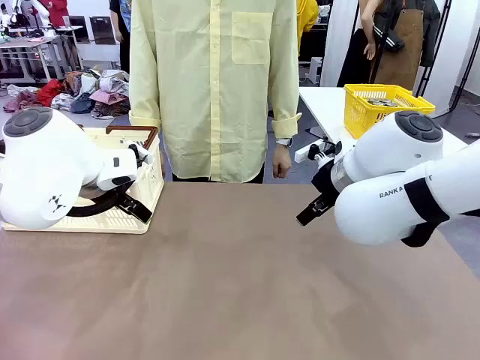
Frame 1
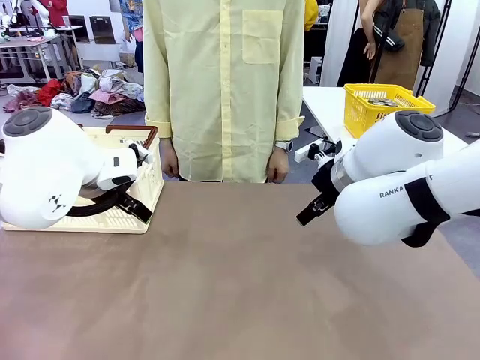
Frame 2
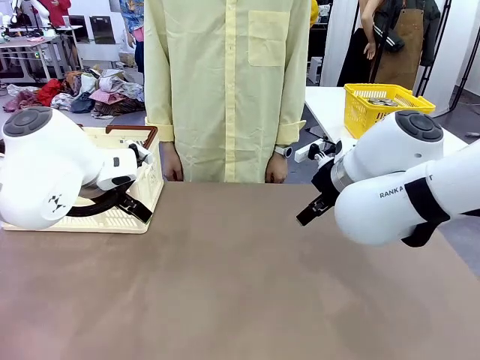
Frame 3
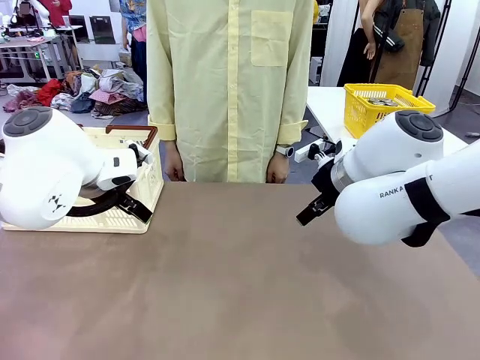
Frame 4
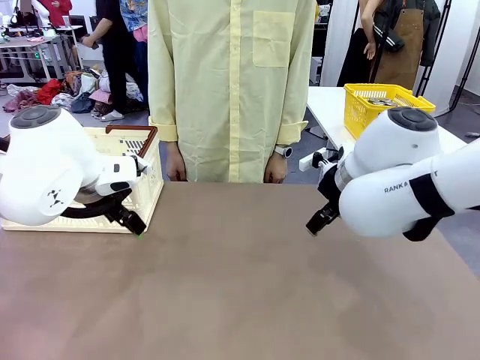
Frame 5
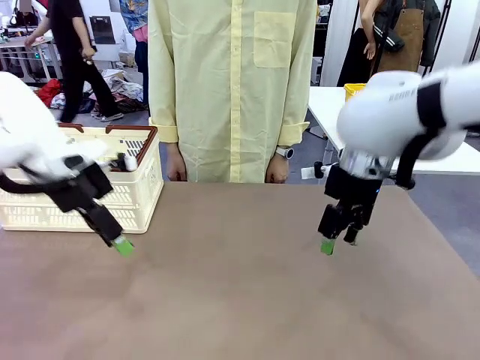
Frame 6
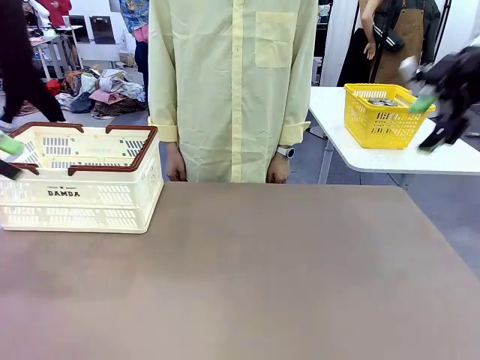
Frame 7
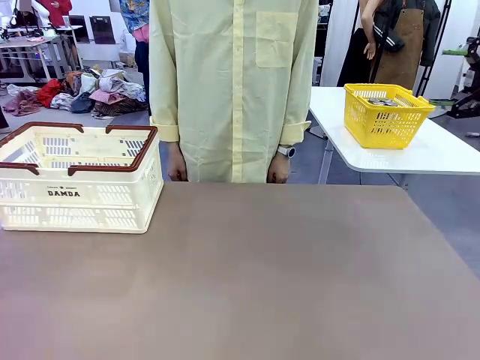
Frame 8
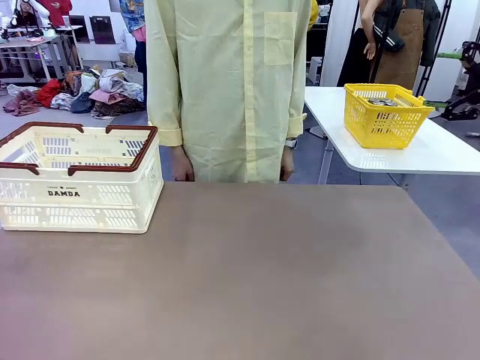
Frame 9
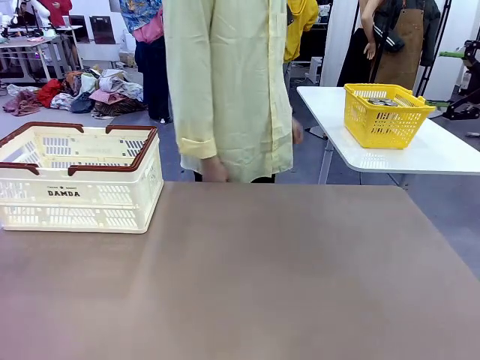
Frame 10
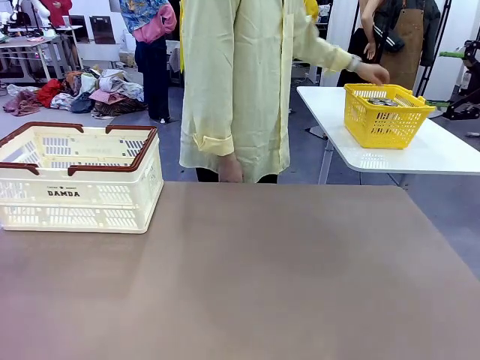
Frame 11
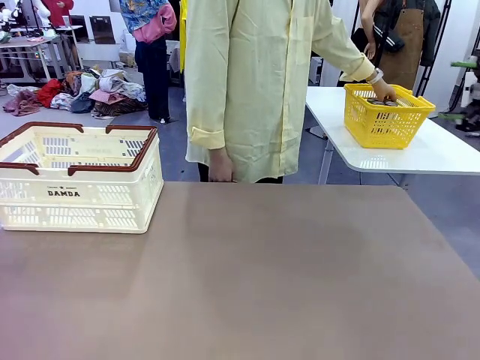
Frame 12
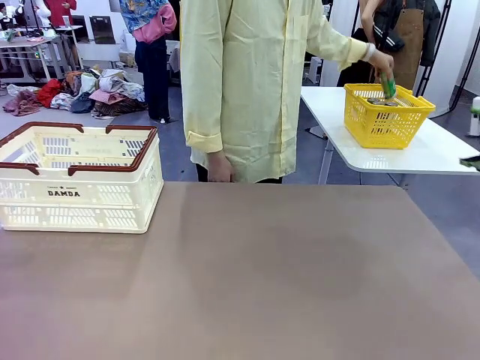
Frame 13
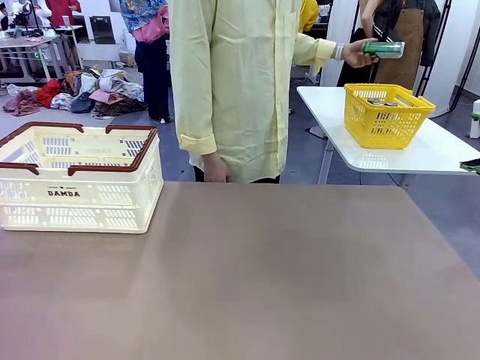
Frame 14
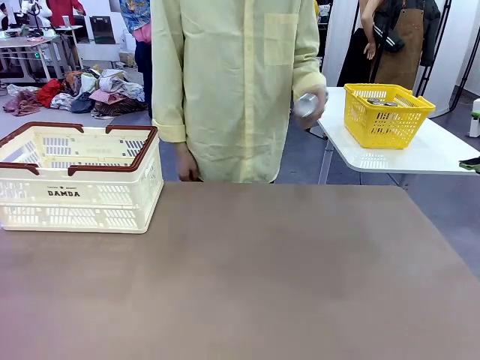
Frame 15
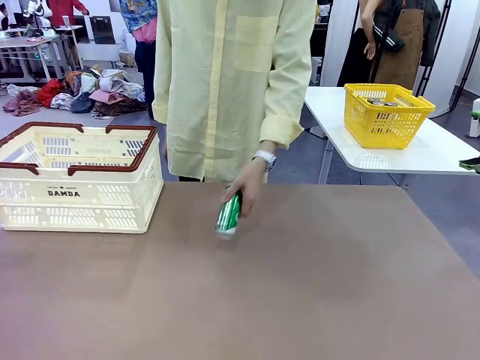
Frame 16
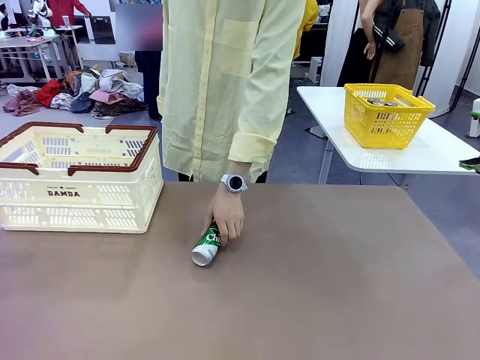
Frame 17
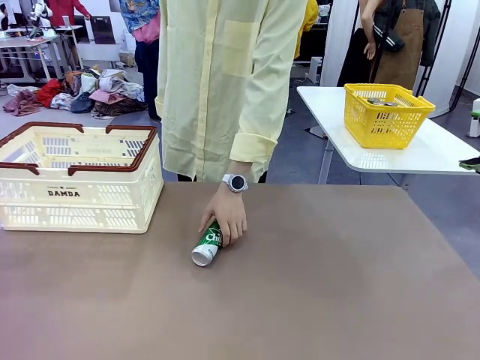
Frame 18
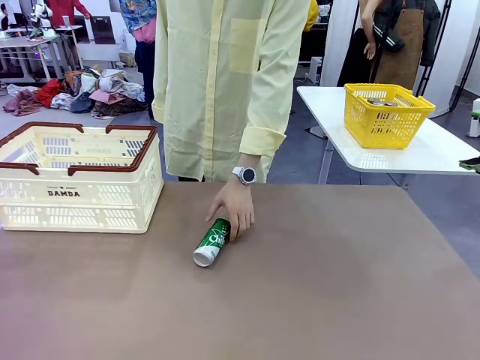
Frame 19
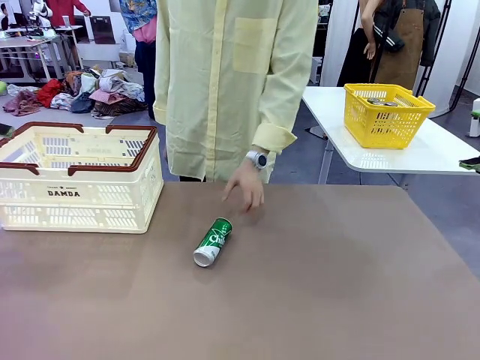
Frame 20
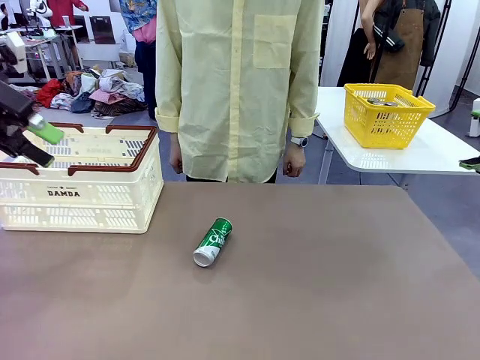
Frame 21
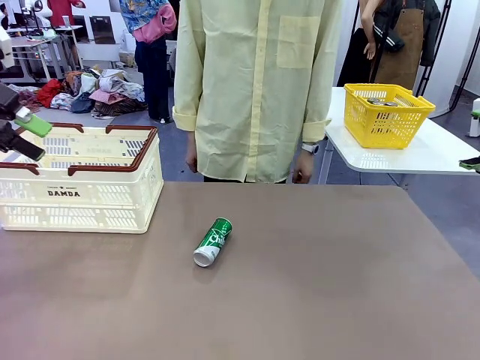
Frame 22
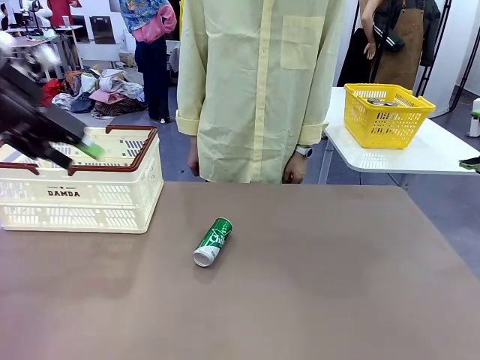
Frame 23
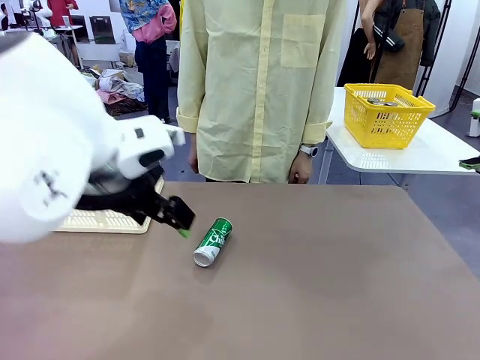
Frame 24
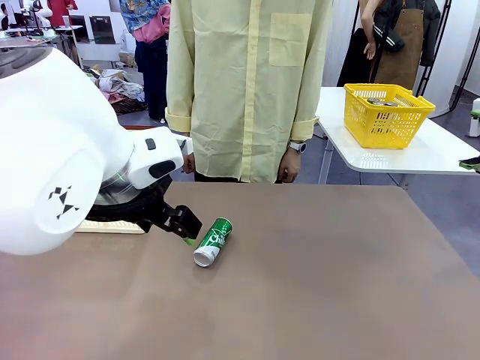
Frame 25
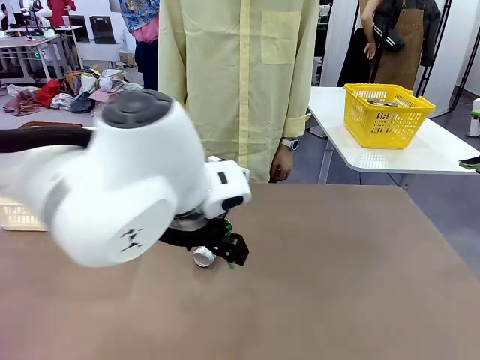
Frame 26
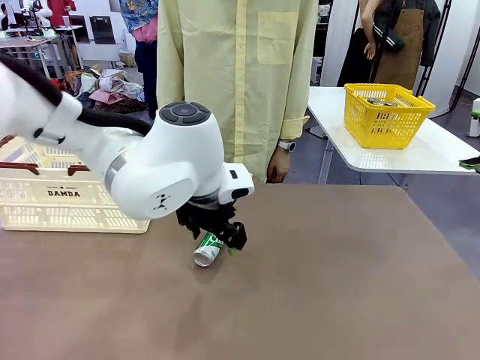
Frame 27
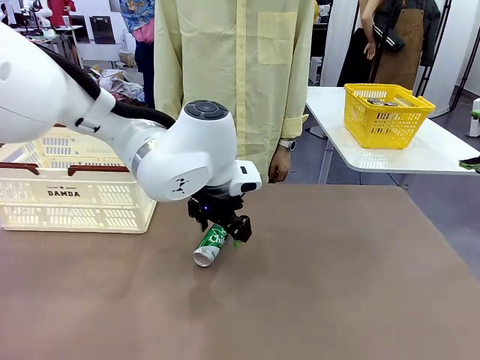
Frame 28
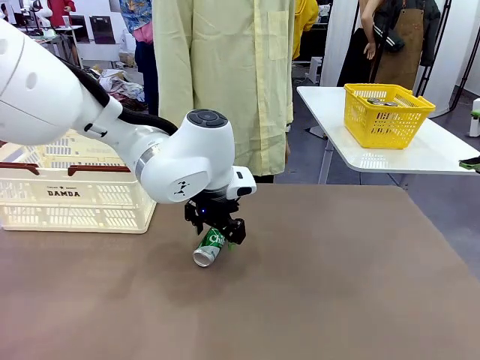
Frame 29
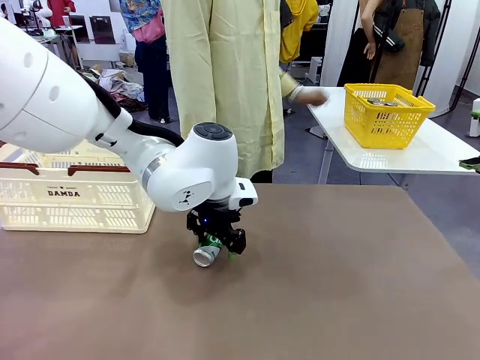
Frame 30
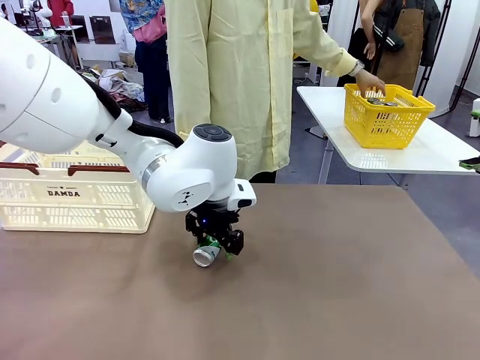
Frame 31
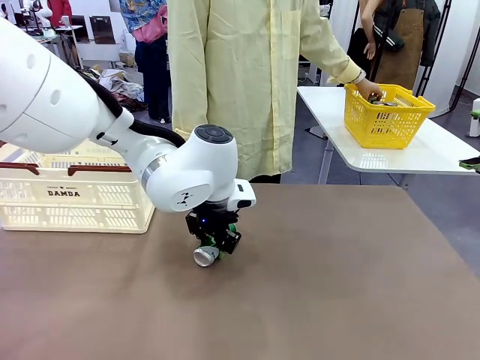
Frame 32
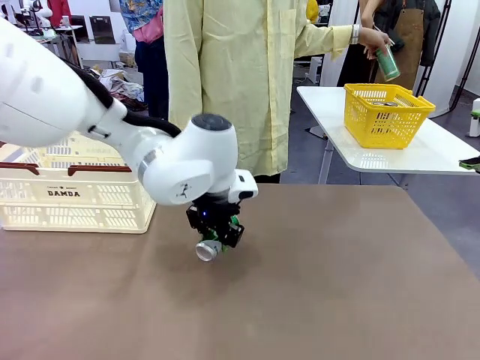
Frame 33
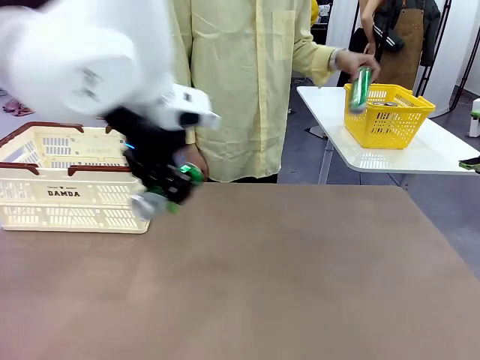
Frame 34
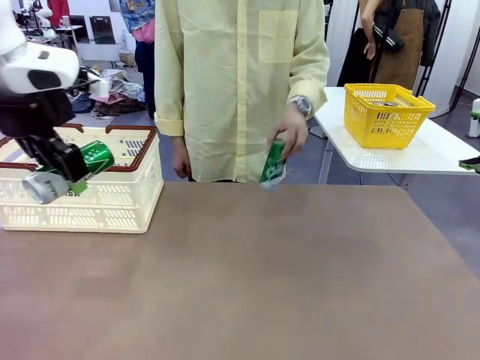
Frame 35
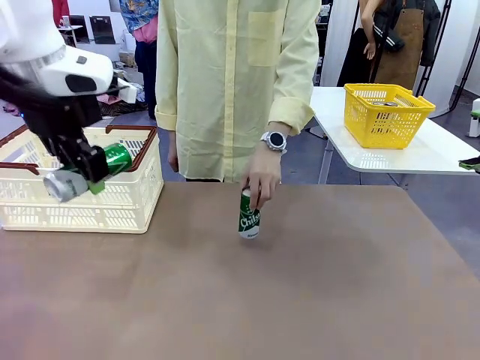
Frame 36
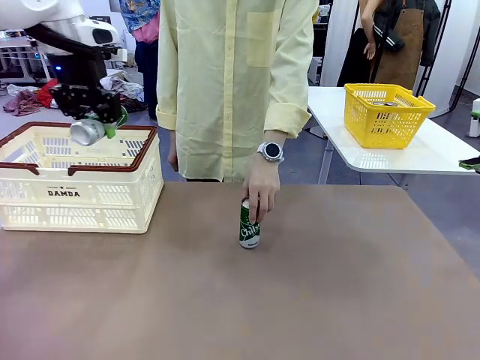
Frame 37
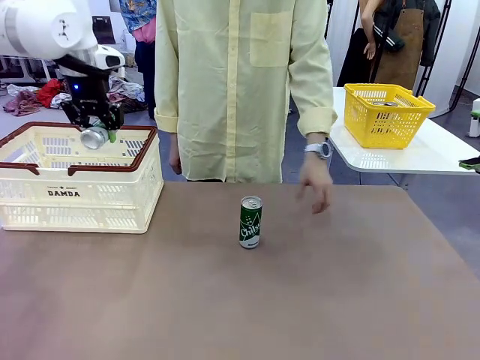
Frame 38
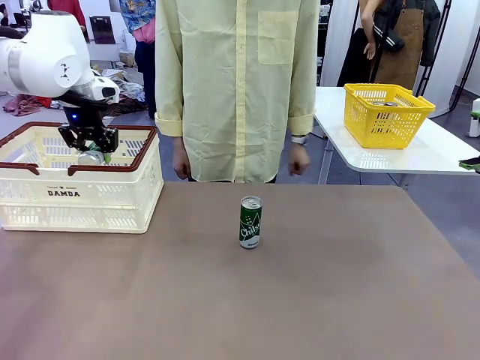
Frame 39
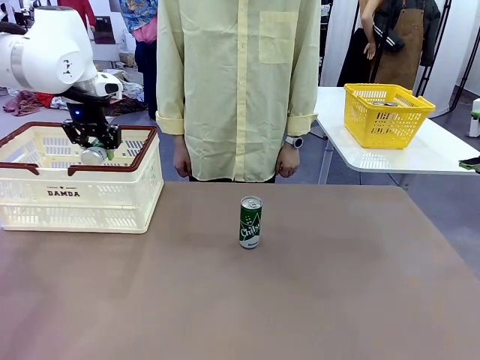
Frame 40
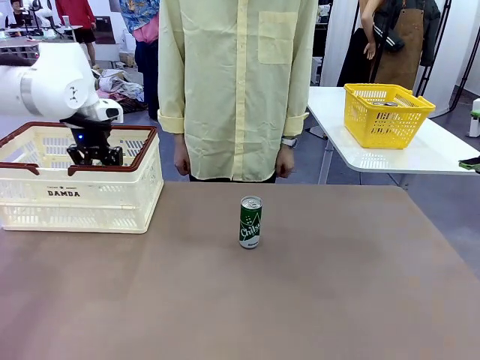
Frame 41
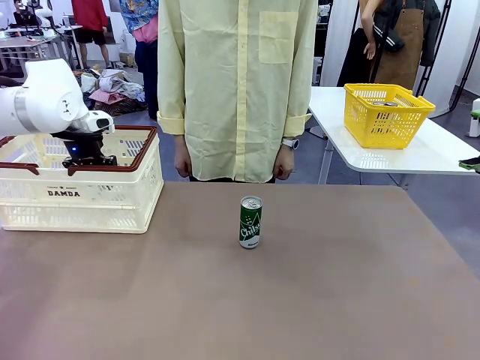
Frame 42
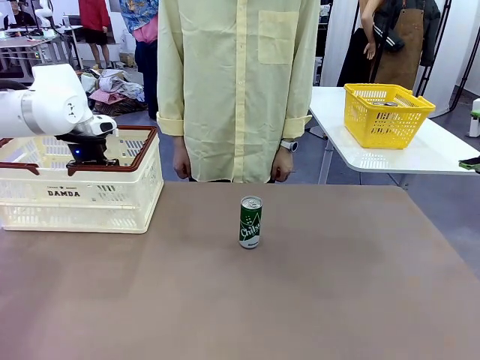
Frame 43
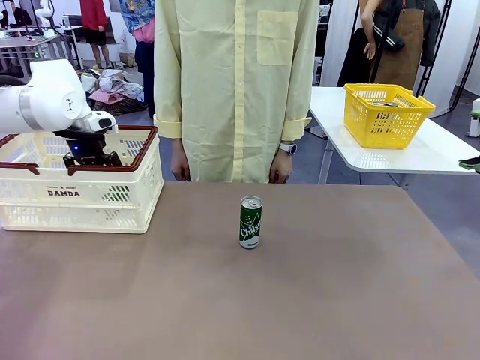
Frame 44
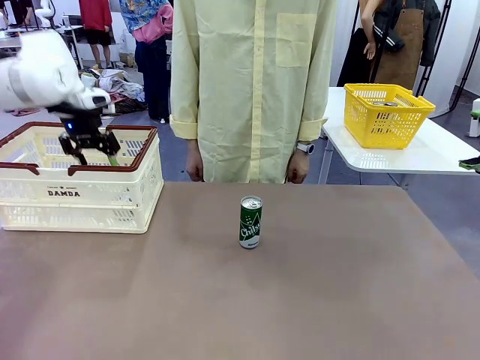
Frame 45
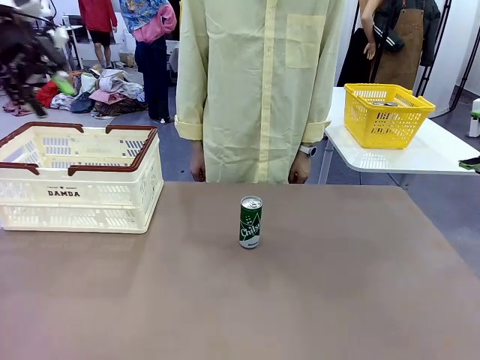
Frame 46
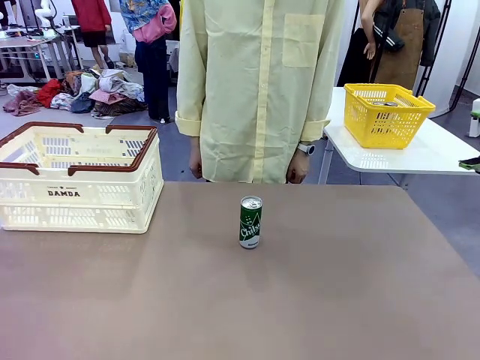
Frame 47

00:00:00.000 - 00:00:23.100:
Task: Place the drinks into the Shopping basket.
Robot: Pick up one drink and place it into the Shopping basket.
